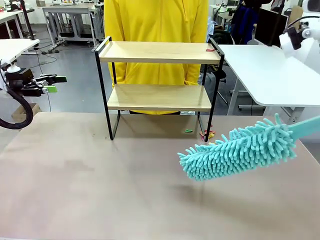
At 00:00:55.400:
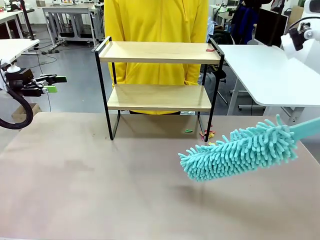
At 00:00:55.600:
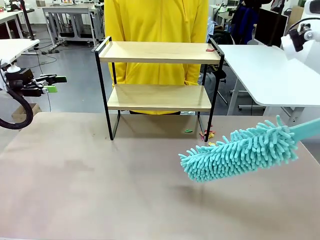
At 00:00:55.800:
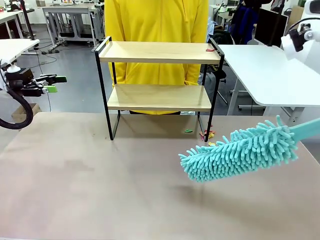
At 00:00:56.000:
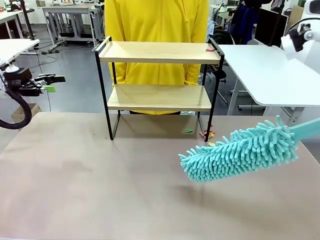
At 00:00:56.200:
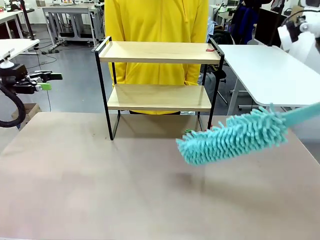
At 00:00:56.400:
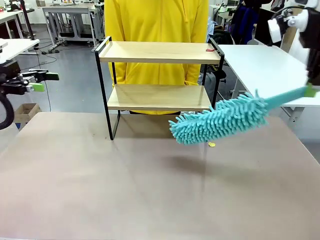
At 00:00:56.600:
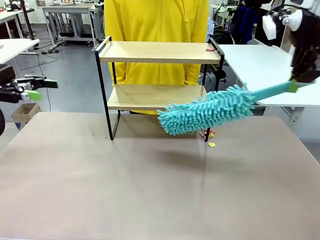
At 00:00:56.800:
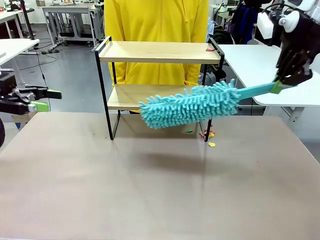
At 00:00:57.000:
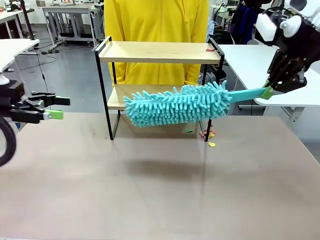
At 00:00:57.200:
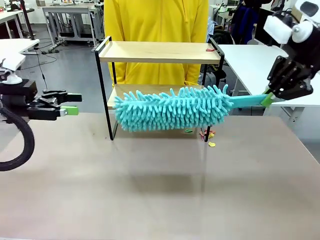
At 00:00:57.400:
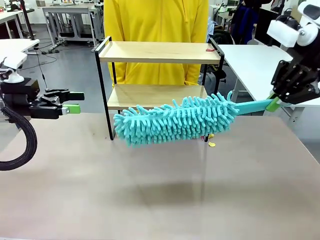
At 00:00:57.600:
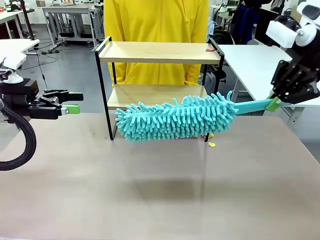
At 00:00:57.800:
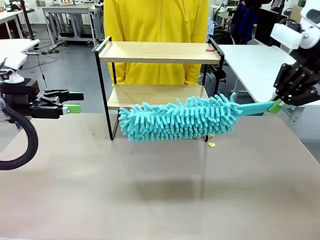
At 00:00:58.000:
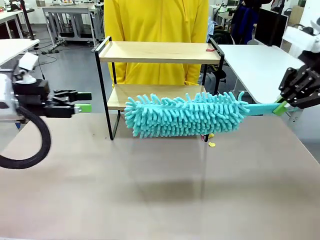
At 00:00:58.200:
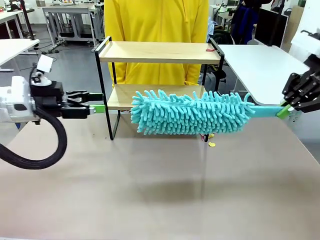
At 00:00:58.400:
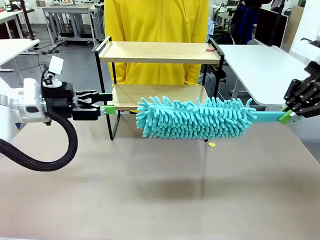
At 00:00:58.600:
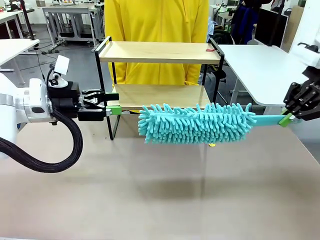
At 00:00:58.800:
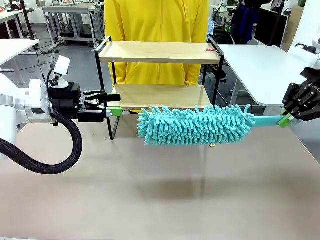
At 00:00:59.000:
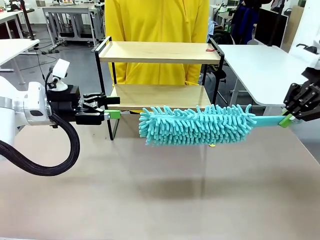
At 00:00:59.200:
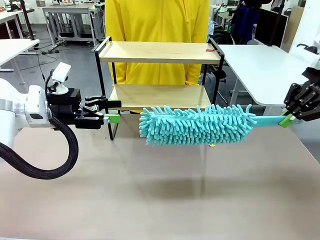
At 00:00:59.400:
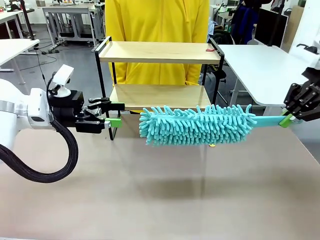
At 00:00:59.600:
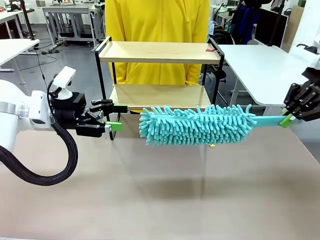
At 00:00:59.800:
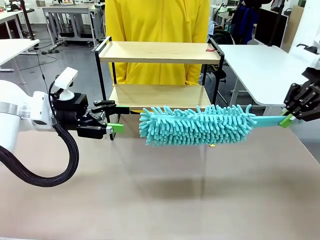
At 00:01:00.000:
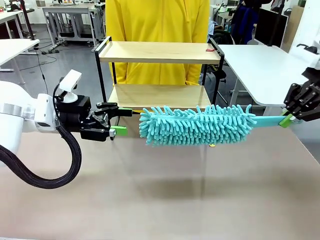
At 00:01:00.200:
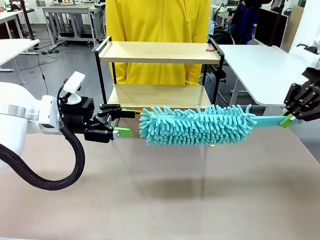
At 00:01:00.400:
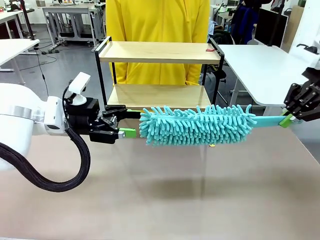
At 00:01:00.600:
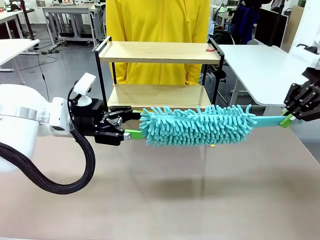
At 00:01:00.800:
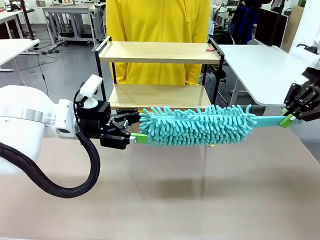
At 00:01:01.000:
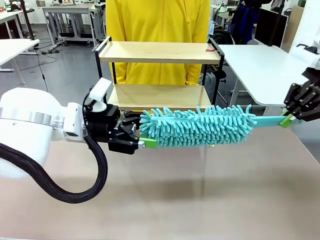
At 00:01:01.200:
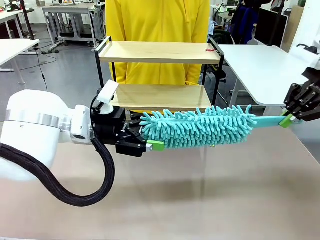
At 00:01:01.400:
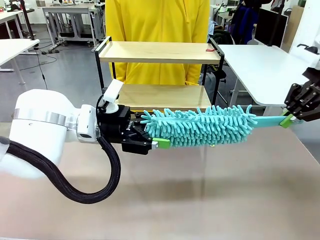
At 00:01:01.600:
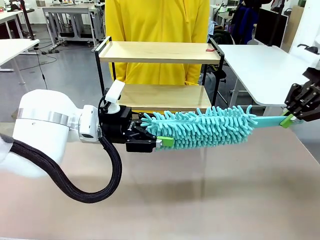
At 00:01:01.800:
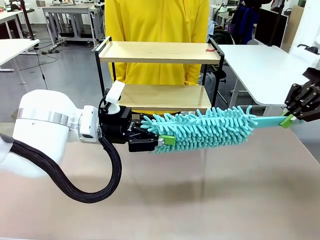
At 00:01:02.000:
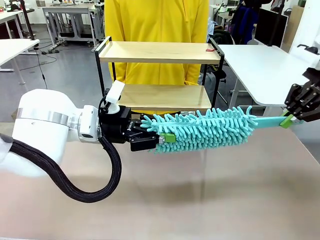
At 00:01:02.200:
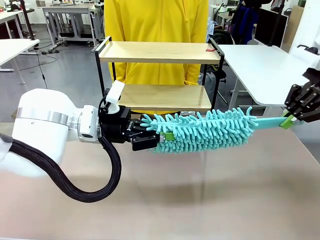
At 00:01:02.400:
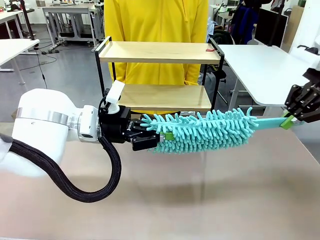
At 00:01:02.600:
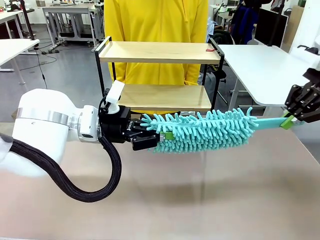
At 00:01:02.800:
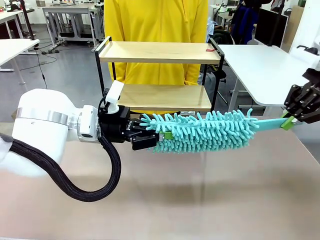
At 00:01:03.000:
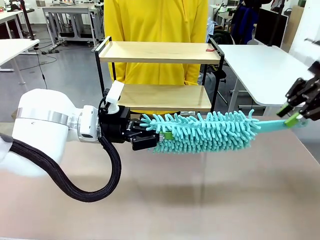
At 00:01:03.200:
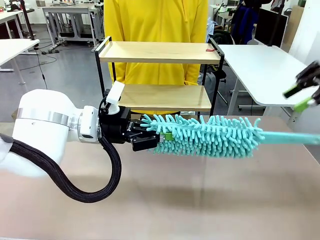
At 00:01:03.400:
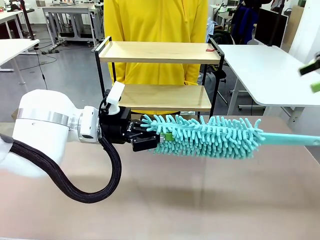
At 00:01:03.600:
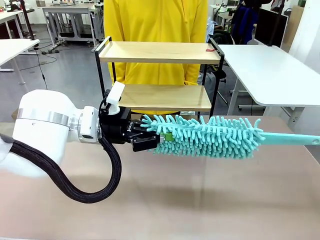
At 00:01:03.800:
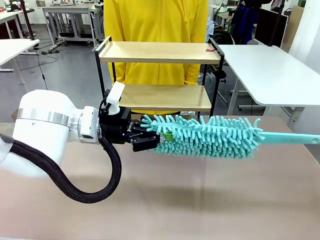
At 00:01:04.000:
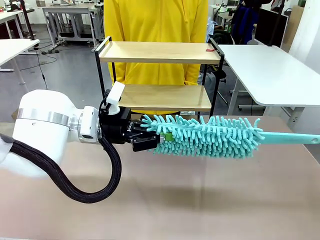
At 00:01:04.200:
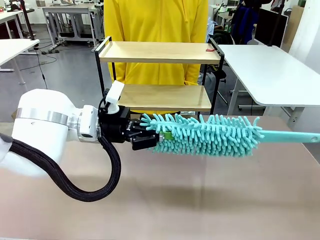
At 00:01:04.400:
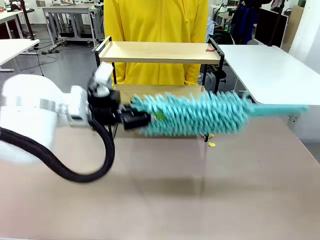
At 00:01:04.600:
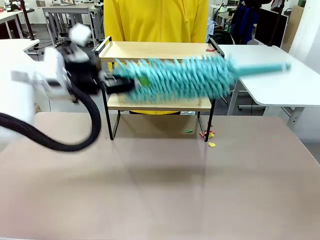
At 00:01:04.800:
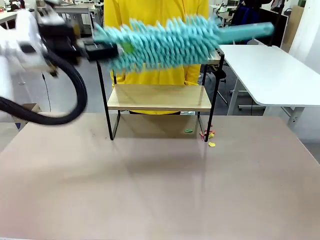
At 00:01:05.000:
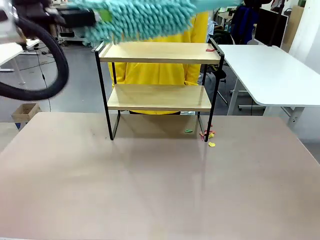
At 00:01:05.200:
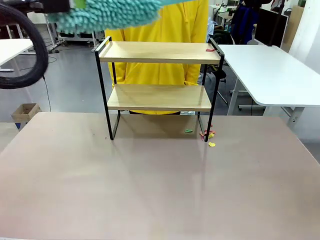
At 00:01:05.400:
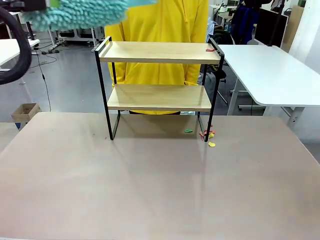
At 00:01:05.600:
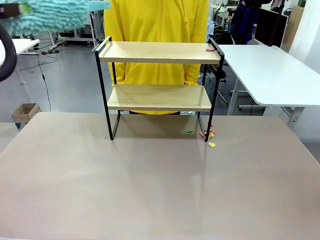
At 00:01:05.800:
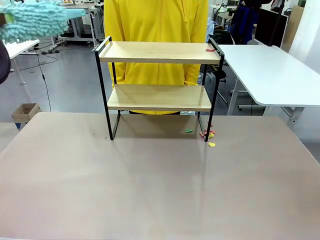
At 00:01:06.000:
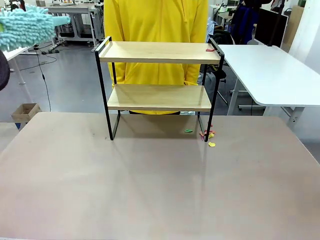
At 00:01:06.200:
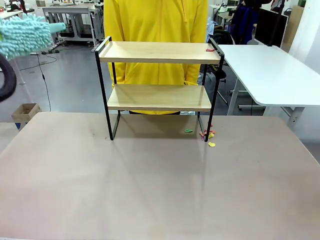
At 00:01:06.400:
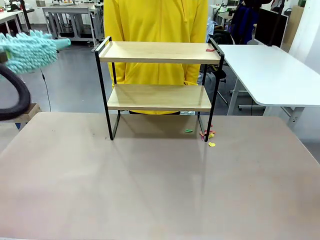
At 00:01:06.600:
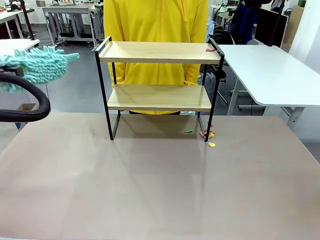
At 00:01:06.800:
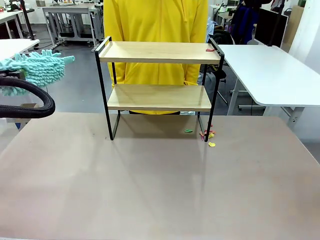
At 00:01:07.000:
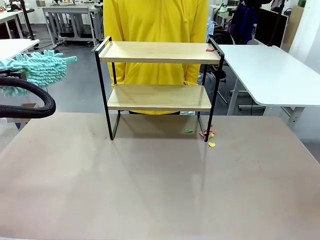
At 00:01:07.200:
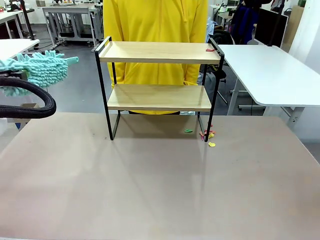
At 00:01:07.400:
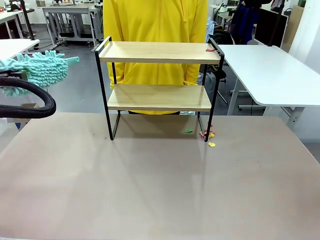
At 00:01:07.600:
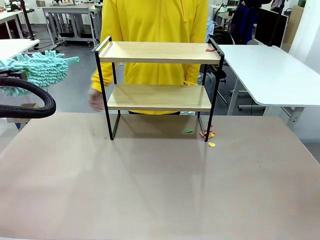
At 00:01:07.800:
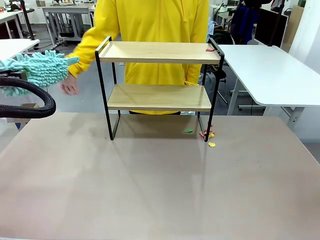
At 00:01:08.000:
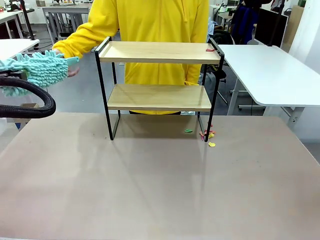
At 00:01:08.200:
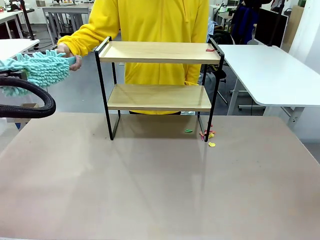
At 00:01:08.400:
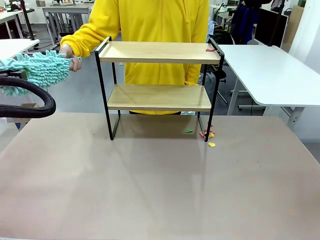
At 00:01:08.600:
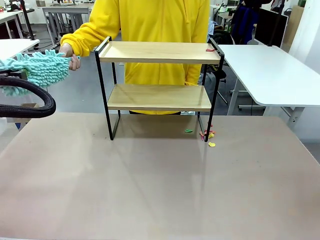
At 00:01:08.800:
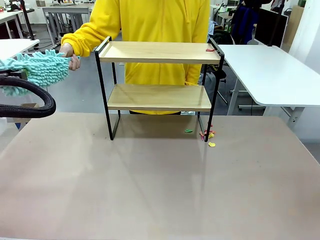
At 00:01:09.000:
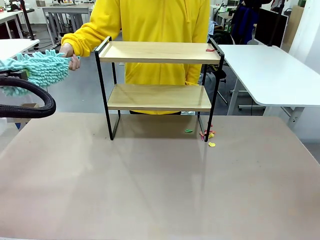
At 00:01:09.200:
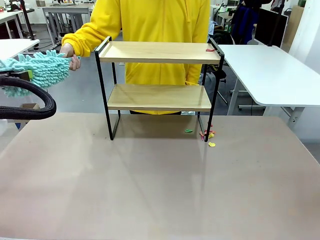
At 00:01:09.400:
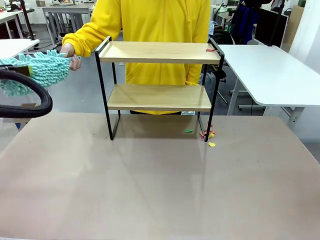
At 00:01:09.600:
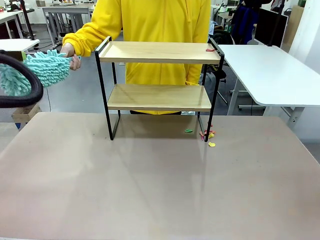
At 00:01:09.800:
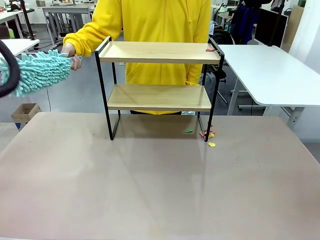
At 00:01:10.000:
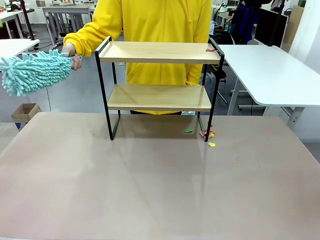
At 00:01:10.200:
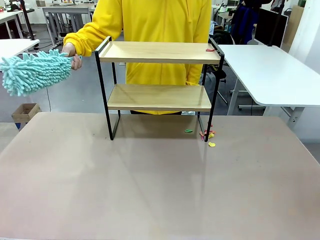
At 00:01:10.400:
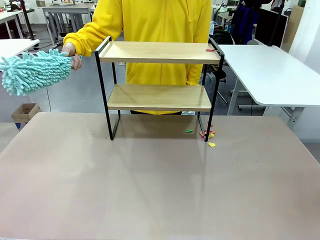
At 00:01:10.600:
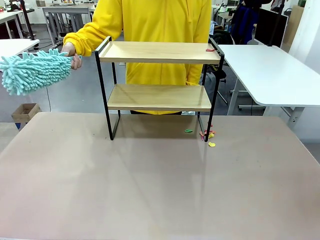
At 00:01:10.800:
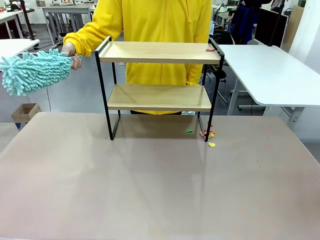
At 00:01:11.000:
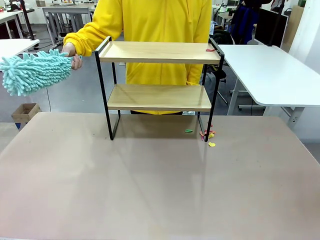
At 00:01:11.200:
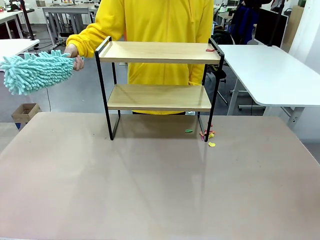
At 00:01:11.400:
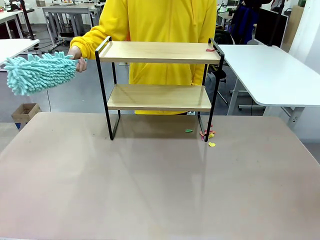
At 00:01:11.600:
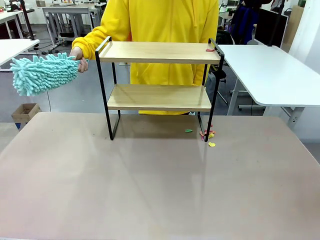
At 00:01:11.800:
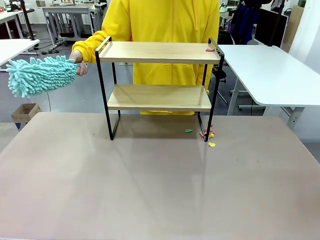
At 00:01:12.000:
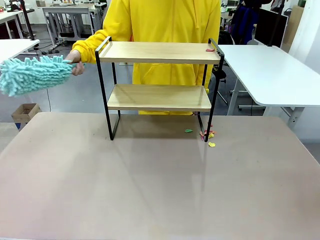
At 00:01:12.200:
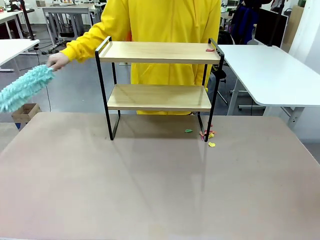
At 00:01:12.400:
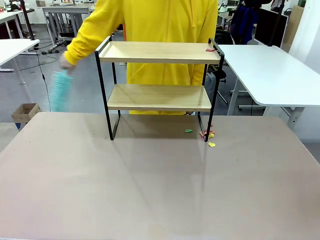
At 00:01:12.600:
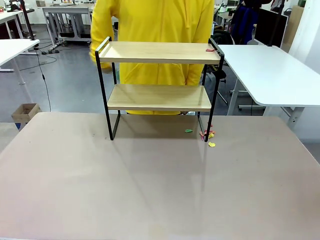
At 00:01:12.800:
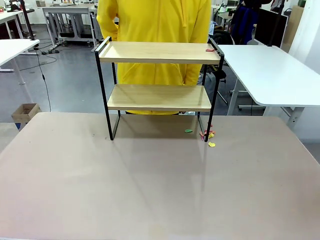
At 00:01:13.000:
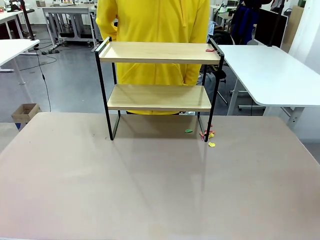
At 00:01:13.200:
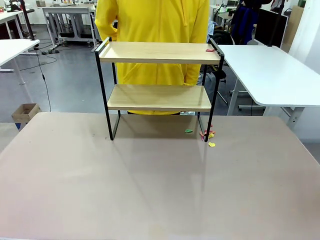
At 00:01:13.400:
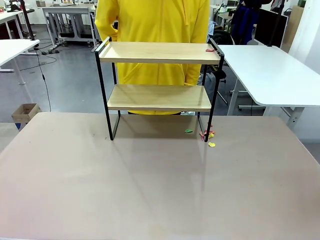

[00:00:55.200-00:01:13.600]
Task: Clean the shelf.
Robot: Hand the Duster back to the human.
Person: Receive the Duster from the robot.
